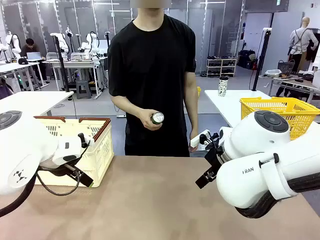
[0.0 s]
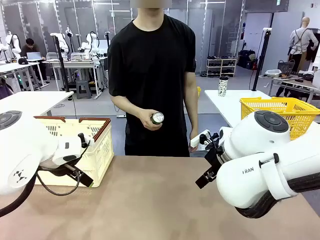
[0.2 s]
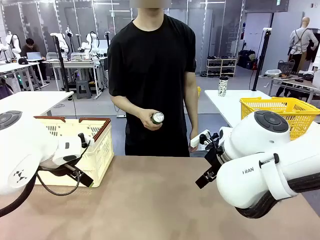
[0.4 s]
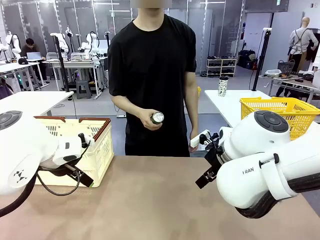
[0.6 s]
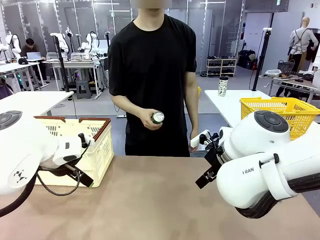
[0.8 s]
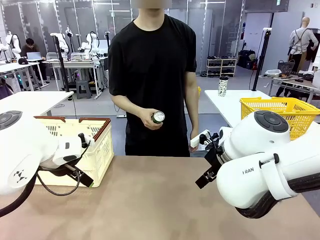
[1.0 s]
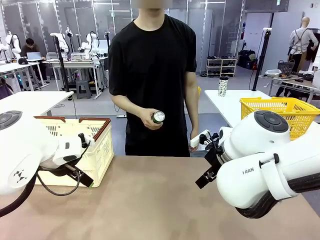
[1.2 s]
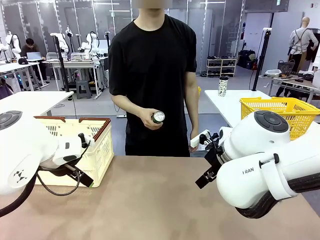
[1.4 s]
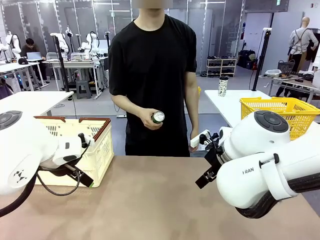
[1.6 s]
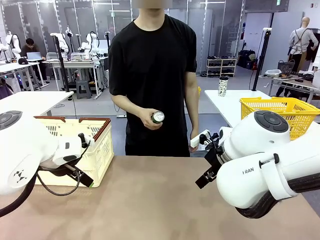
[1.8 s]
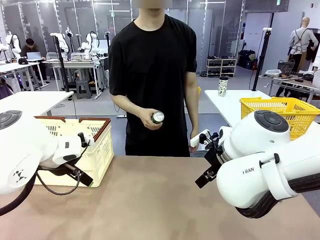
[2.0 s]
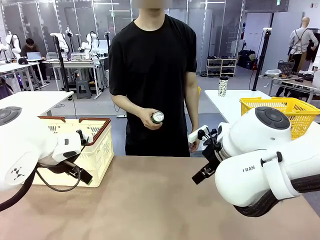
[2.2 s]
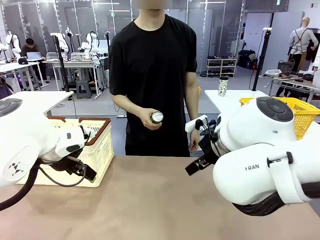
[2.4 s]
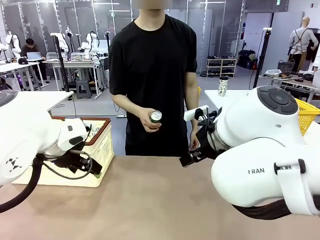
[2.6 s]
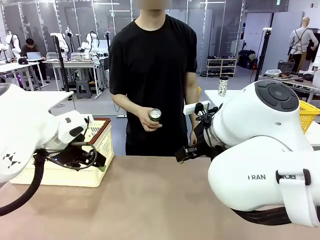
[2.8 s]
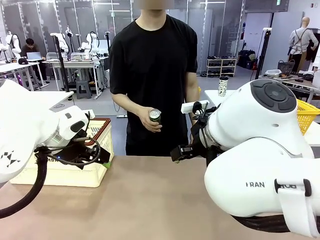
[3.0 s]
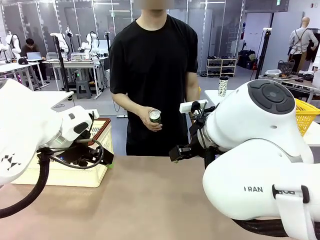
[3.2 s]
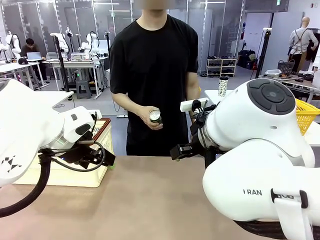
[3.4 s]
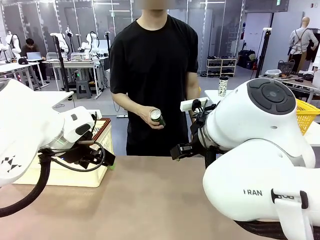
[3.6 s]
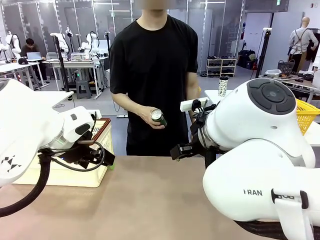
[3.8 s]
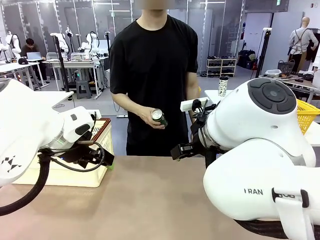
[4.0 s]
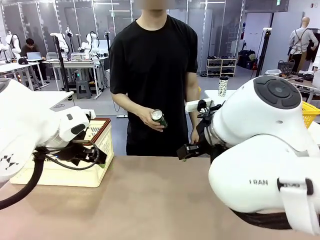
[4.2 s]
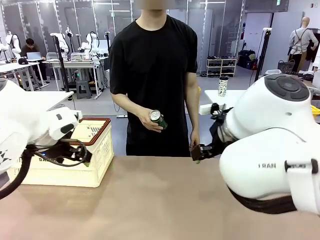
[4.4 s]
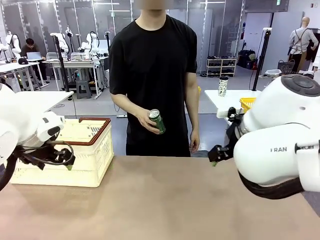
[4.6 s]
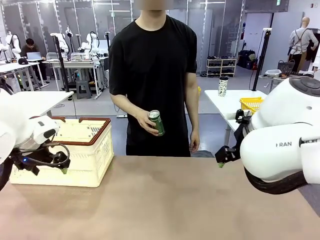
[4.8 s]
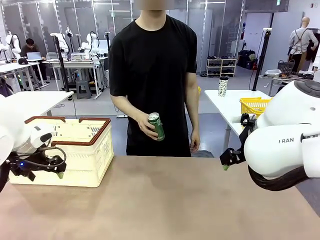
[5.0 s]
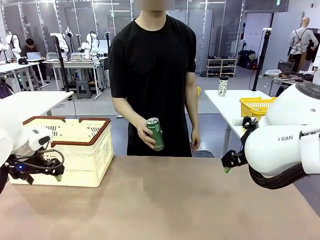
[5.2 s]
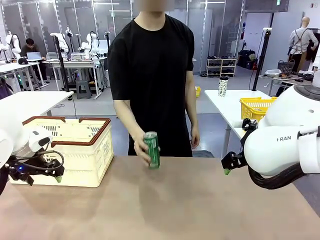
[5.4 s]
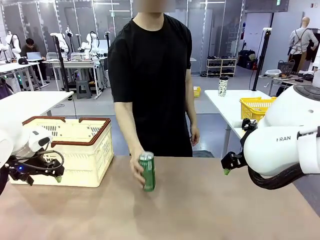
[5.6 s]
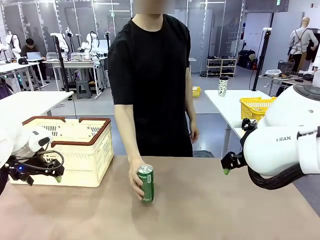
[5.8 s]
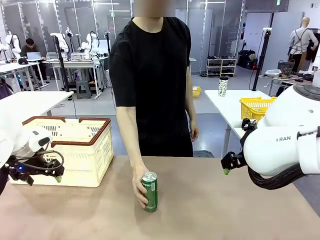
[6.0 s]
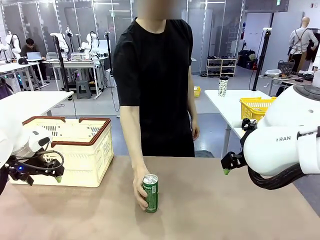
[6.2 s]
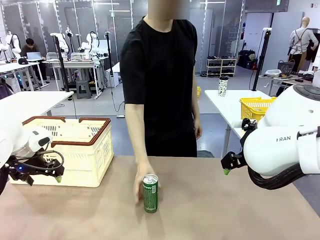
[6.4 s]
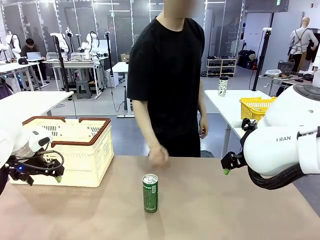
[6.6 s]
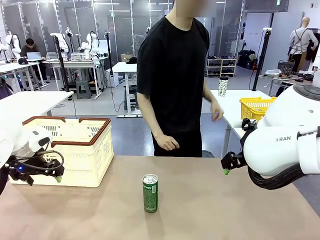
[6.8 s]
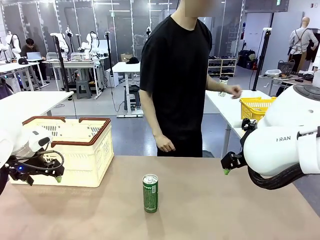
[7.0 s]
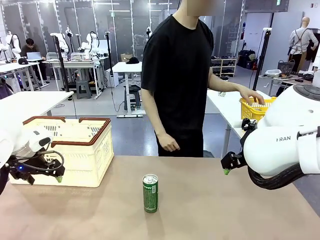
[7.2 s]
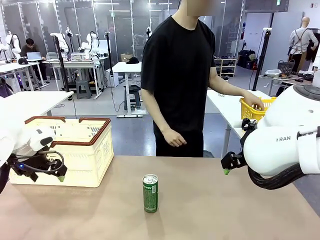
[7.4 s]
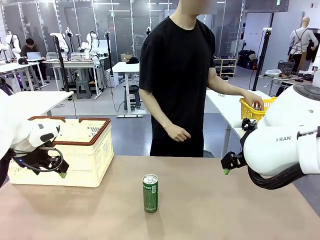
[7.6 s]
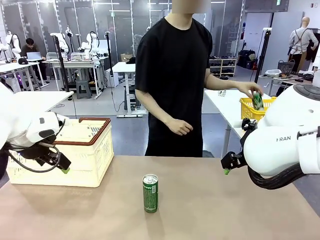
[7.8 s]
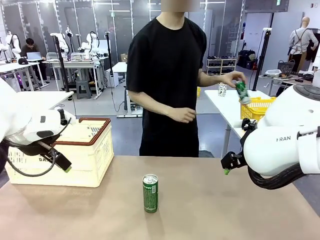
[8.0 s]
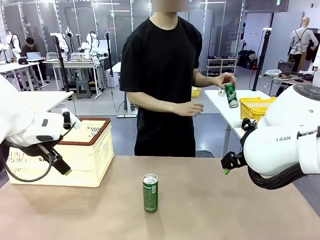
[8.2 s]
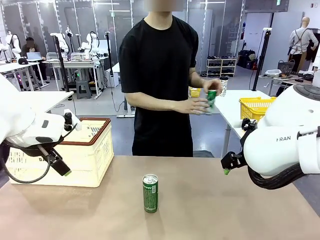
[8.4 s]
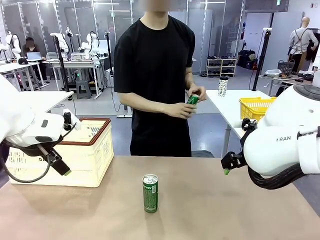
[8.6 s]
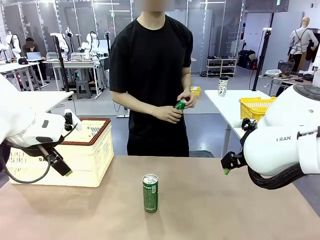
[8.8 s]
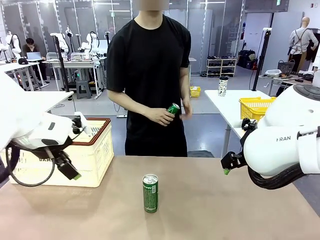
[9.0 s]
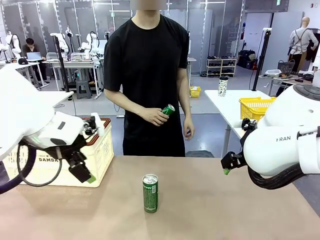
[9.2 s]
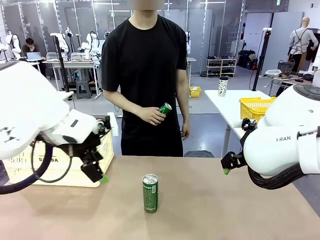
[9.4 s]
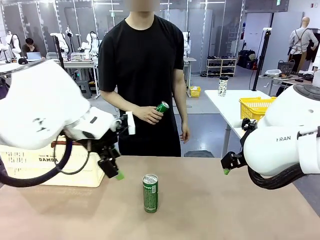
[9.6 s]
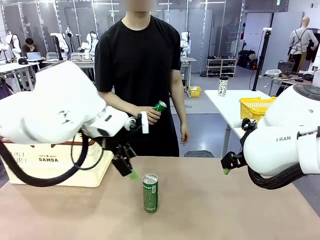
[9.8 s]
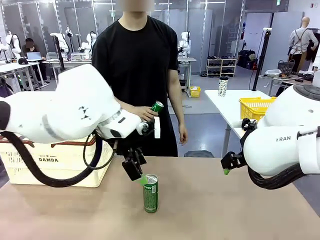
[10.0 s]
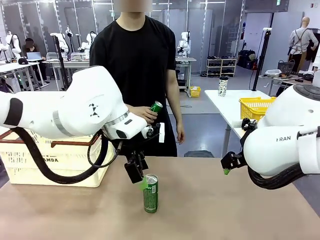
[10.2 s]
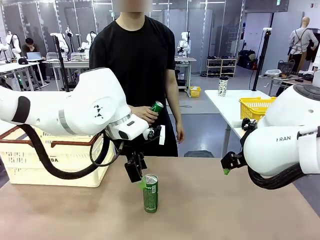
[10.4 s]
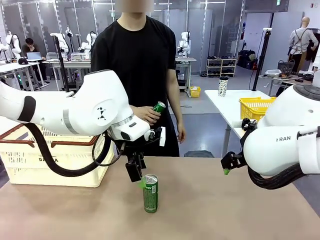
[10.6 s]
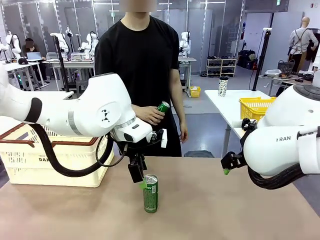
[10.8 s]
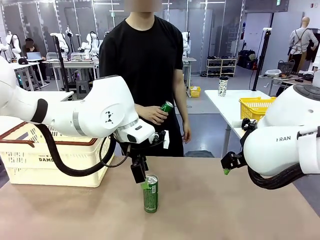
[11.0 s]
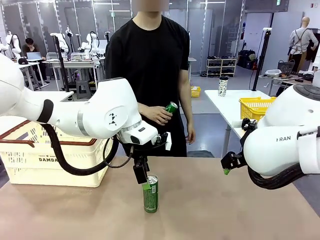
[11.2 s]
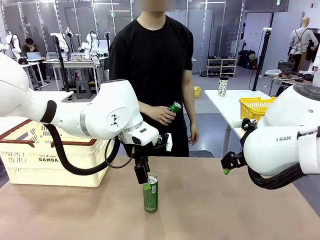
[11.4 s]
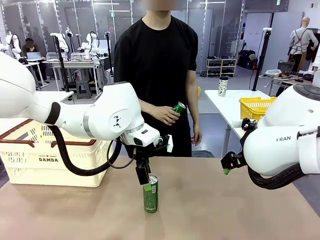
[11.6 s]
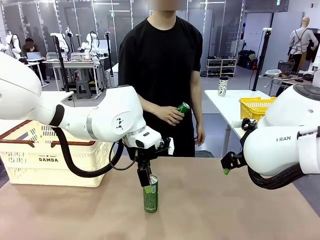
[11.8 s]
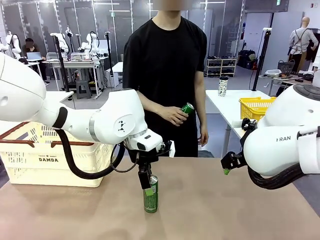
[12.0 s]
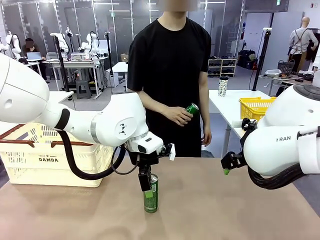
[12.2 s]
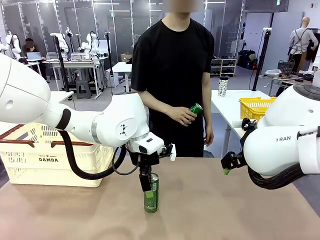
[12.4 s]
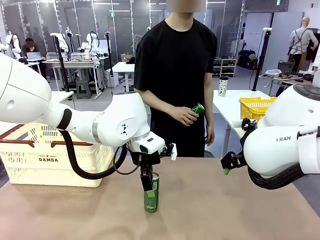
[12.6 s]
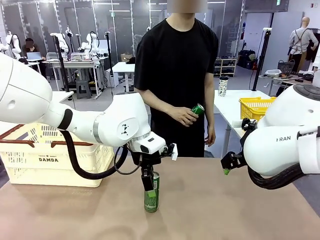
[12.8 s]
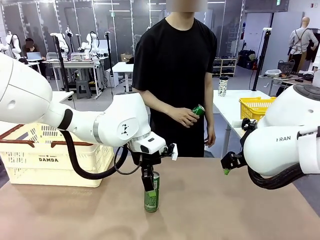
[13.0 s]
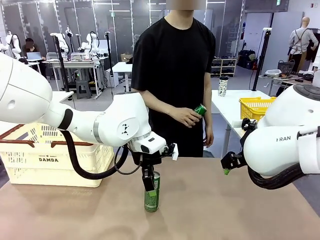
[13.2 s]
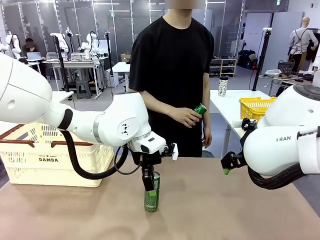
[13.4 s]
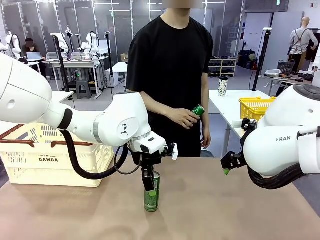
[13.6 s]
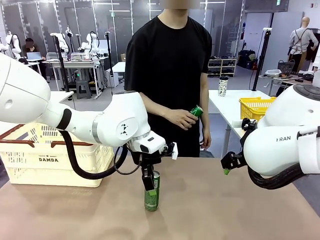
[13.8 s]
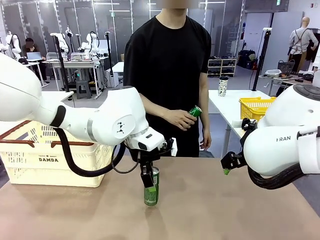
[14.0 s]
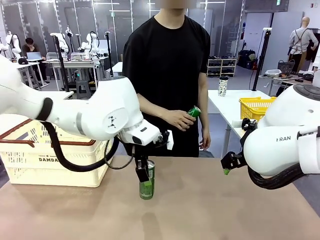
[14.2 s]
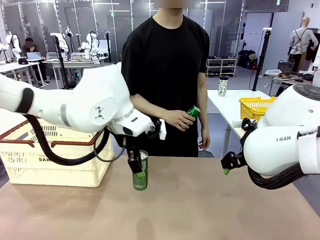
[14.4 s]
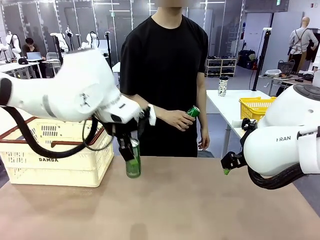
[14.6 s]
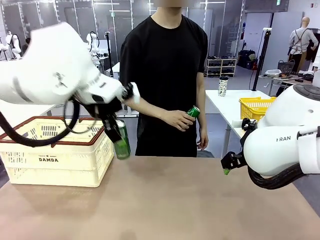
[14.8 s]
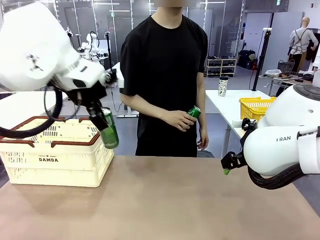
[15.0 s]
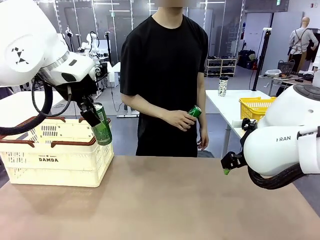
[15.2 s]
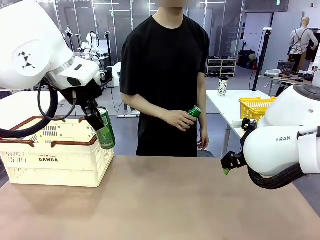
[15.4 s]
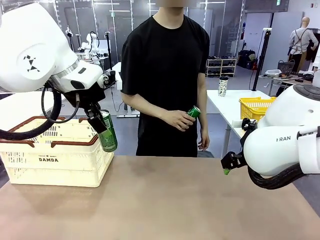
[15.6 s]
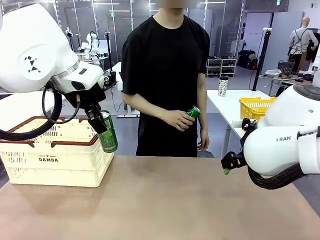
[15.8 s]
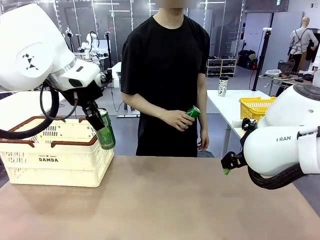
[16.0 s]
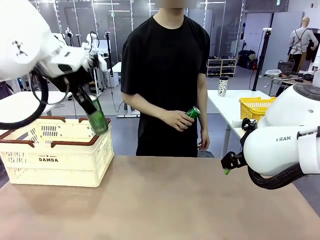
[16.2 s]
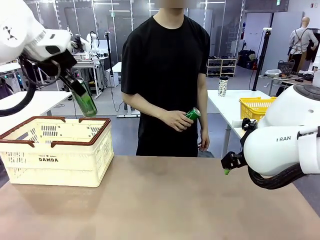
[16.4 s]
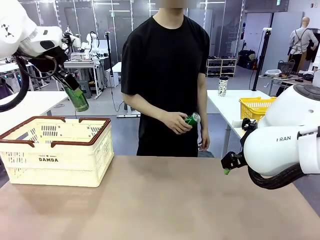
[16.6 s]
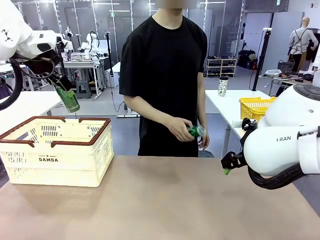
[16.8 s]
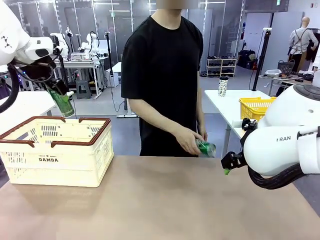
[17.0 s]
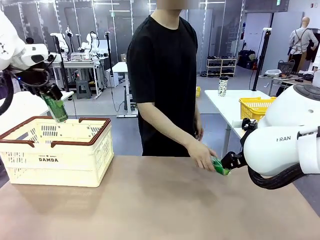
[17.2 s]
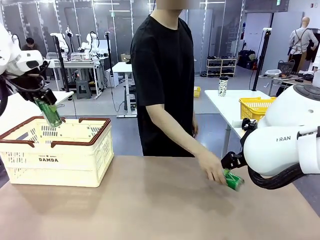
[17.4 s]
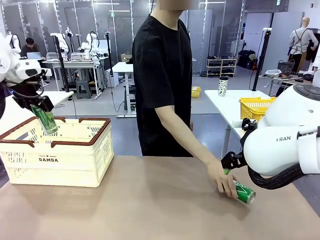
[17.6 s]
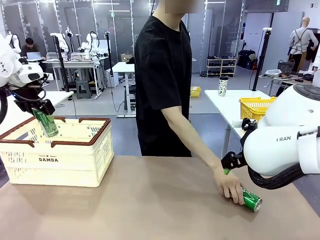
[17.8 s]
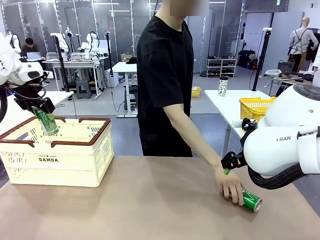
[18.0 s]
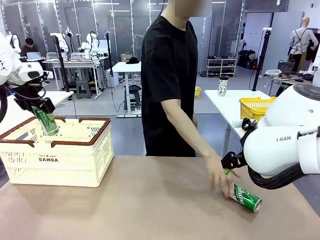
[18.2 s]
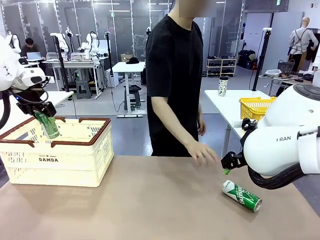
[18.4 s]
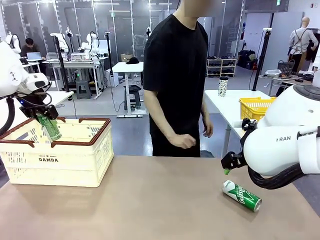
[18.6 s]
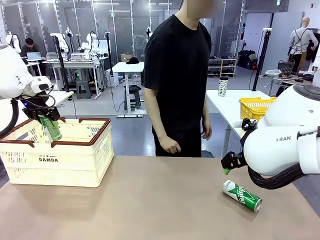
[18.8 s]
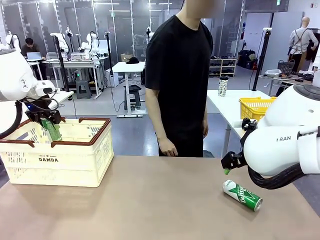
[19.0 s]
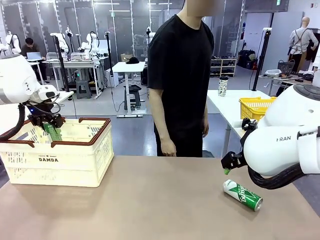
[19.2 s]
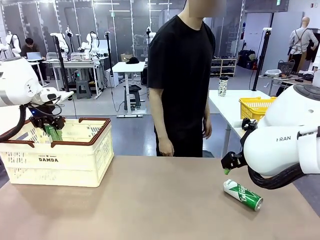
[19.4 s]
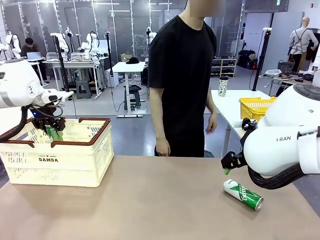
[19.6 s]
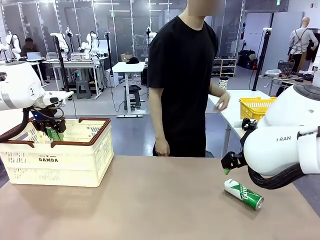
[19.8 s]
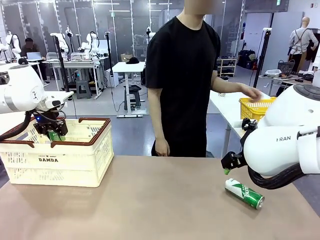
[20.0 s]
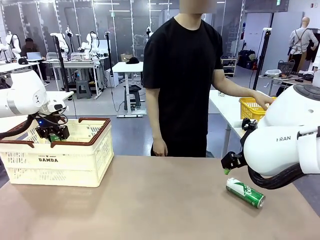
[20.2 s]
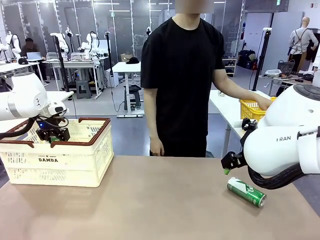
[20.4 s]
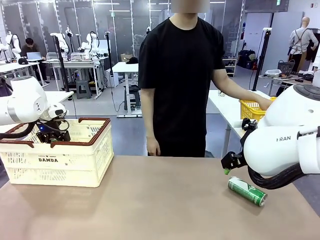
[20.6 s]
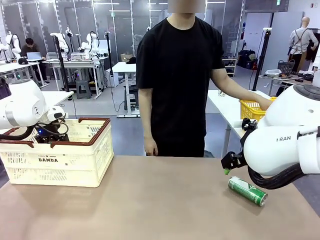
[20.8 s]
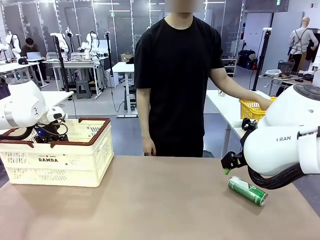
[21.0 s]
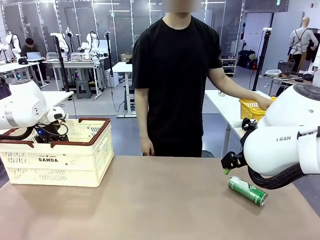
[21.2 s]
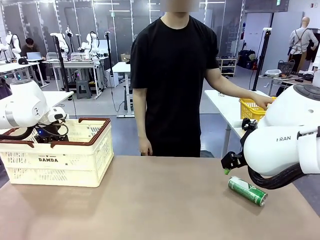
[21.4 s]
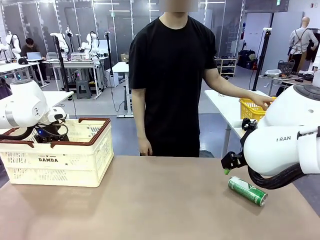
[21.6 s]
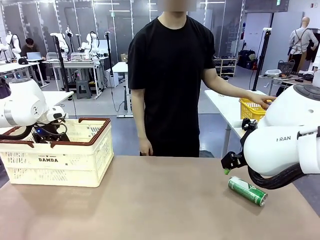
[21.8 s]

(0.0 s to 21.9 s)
Task: Place the drinks into the Shopping basket.
Robot: Pick up one drink and place it into the Shopping basket.
